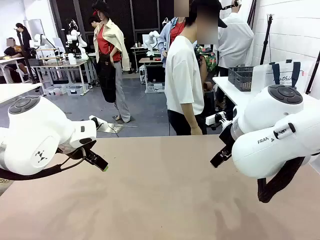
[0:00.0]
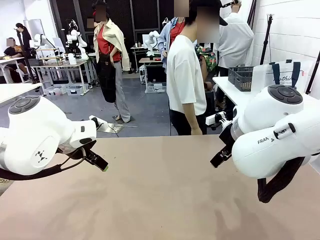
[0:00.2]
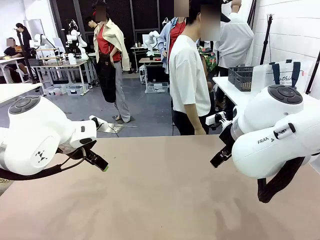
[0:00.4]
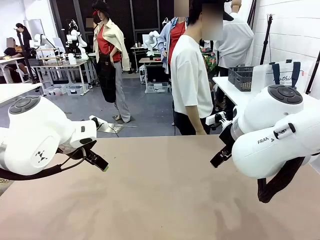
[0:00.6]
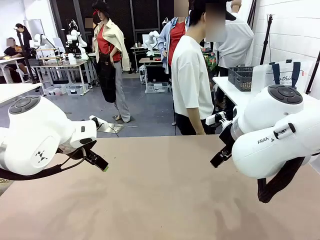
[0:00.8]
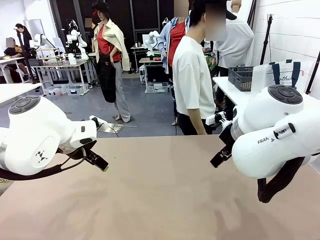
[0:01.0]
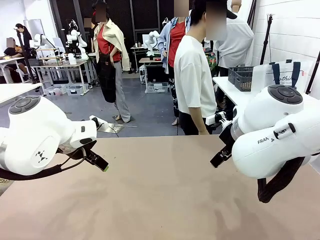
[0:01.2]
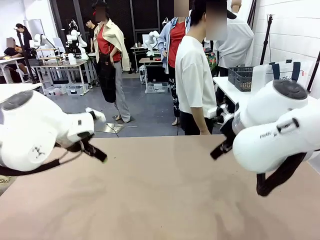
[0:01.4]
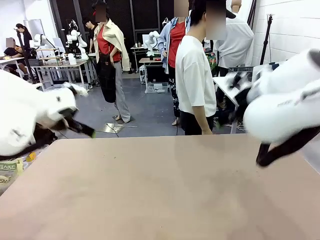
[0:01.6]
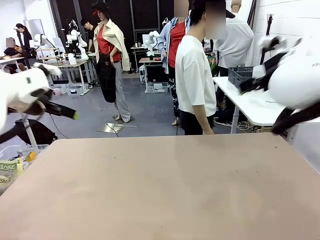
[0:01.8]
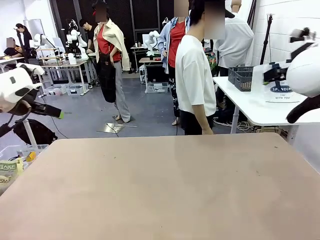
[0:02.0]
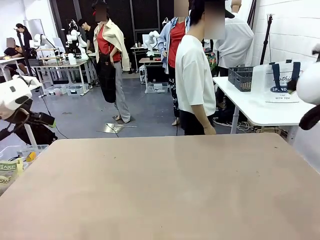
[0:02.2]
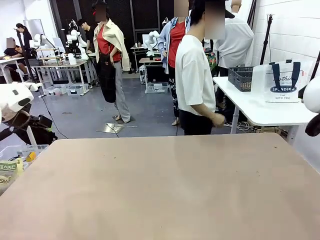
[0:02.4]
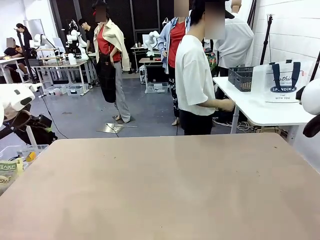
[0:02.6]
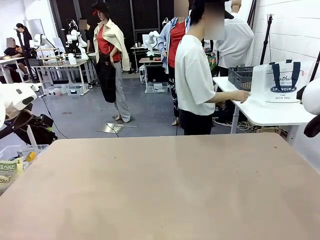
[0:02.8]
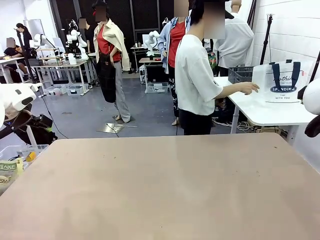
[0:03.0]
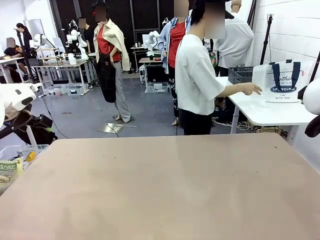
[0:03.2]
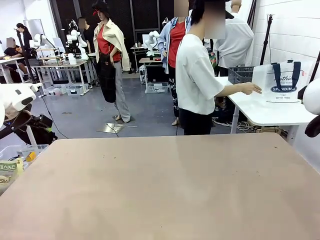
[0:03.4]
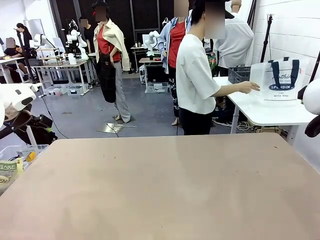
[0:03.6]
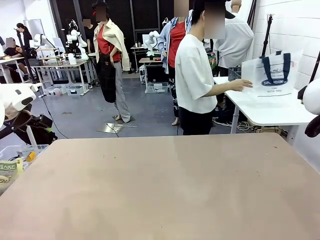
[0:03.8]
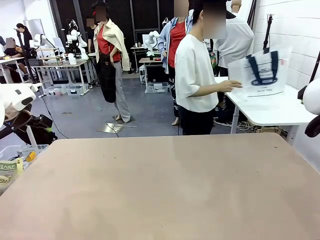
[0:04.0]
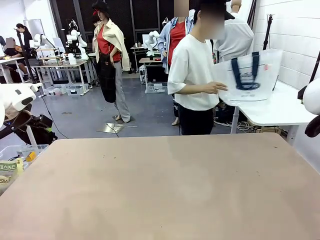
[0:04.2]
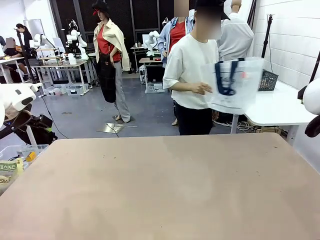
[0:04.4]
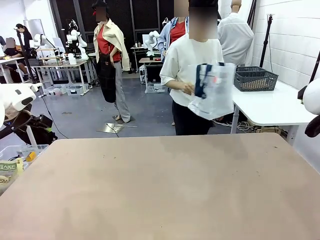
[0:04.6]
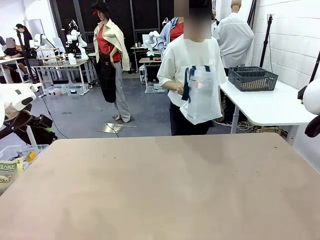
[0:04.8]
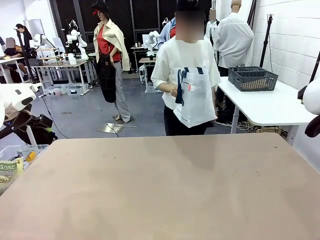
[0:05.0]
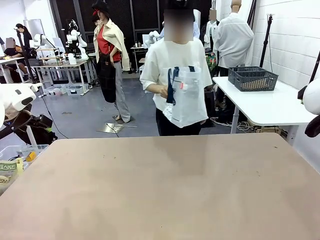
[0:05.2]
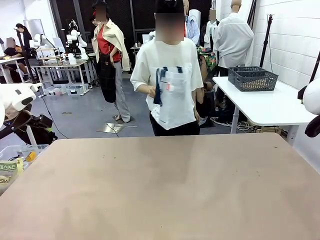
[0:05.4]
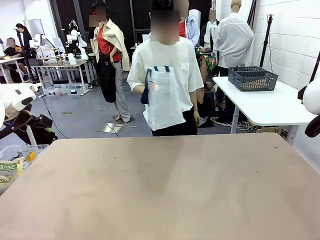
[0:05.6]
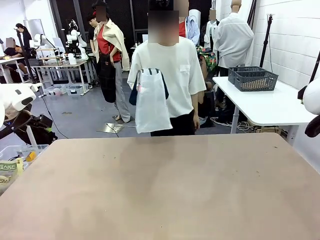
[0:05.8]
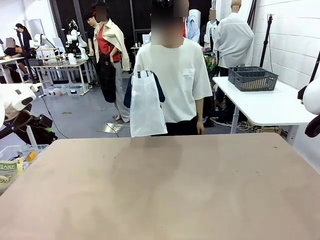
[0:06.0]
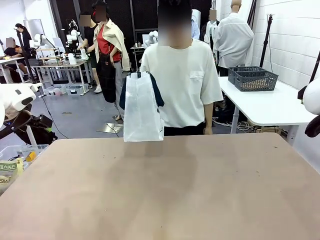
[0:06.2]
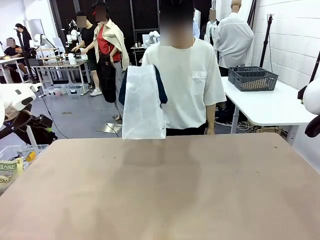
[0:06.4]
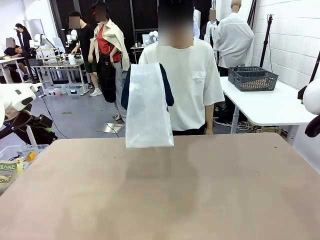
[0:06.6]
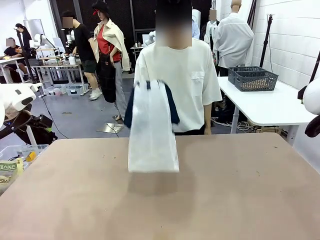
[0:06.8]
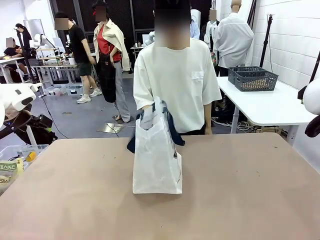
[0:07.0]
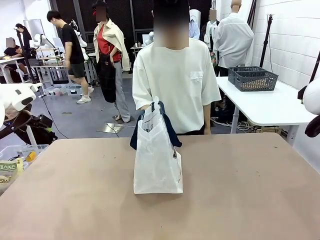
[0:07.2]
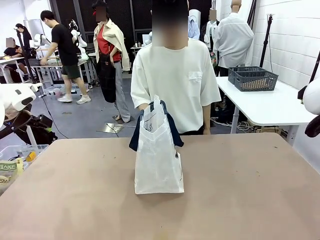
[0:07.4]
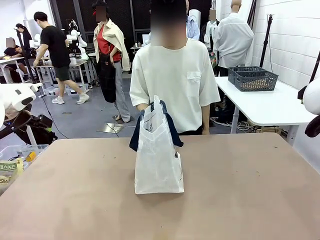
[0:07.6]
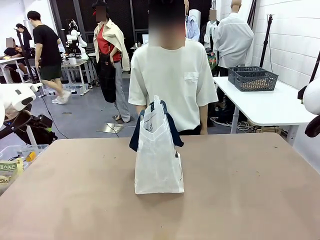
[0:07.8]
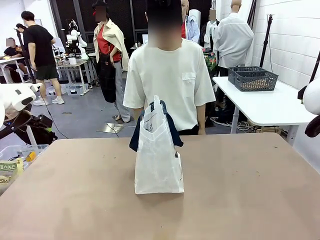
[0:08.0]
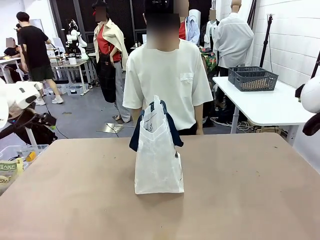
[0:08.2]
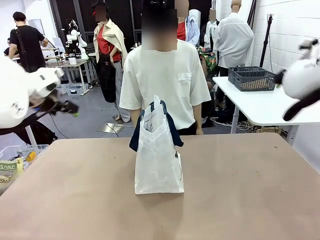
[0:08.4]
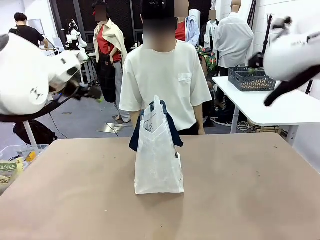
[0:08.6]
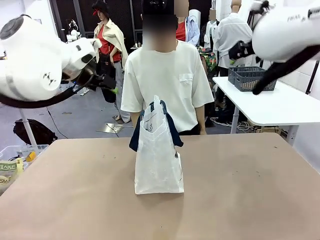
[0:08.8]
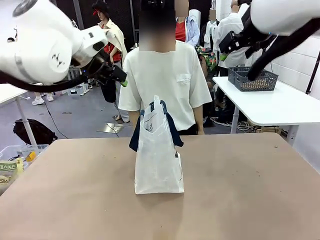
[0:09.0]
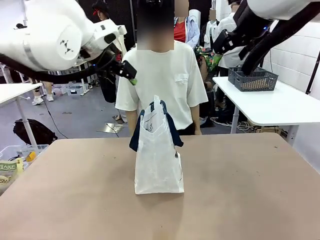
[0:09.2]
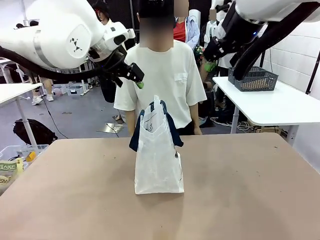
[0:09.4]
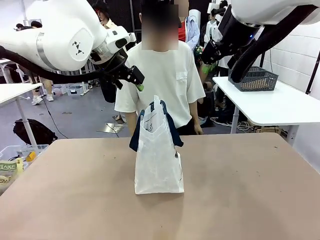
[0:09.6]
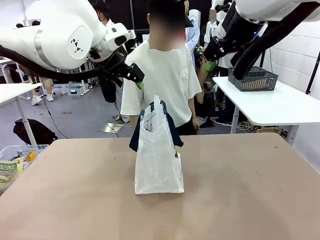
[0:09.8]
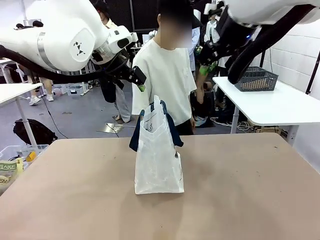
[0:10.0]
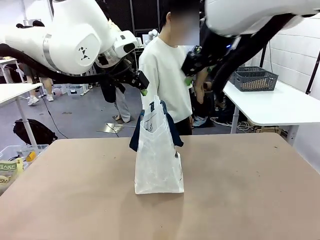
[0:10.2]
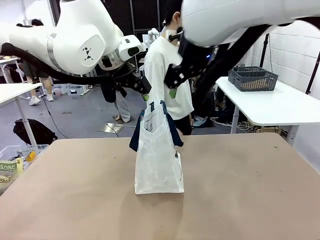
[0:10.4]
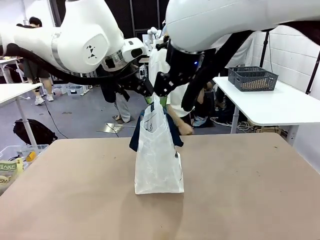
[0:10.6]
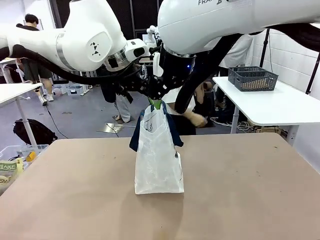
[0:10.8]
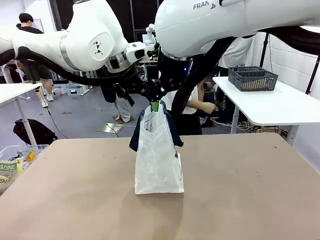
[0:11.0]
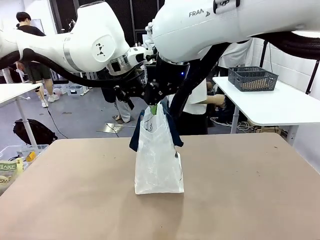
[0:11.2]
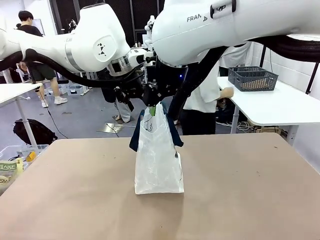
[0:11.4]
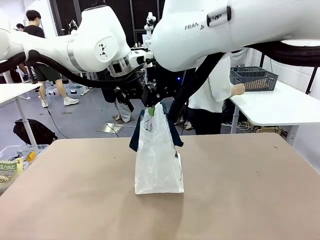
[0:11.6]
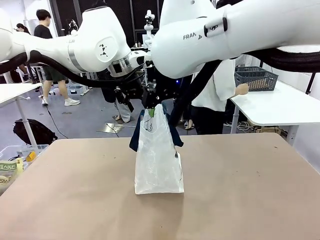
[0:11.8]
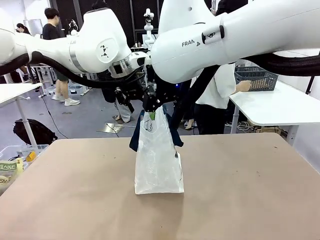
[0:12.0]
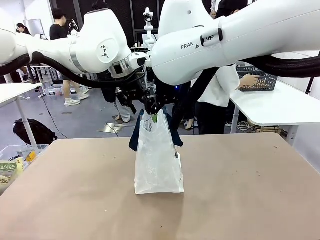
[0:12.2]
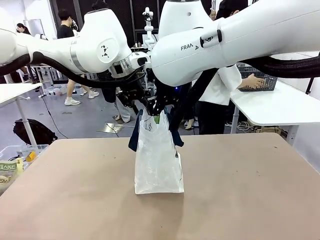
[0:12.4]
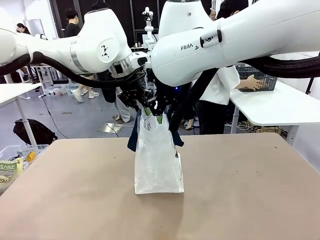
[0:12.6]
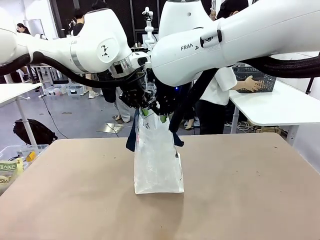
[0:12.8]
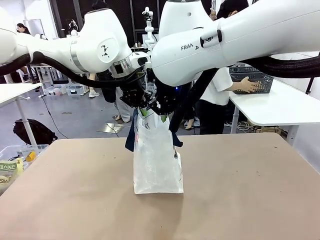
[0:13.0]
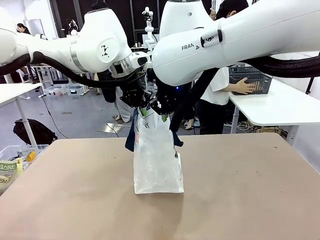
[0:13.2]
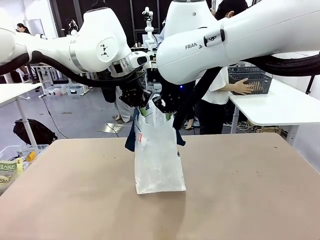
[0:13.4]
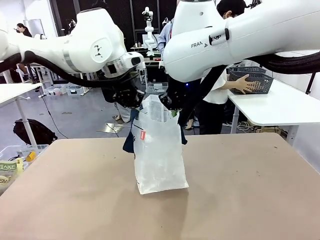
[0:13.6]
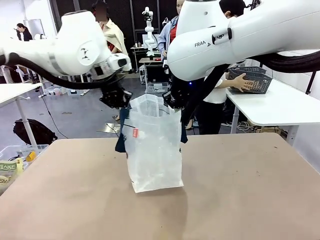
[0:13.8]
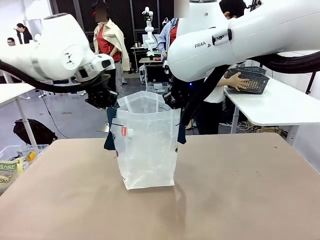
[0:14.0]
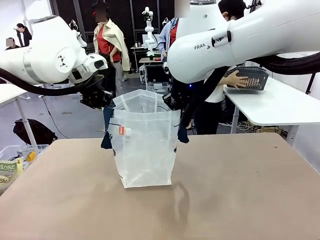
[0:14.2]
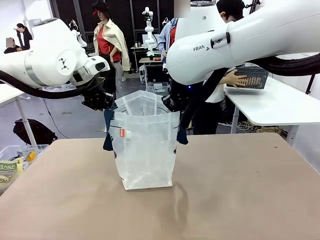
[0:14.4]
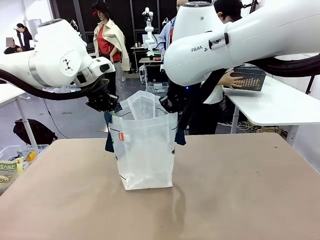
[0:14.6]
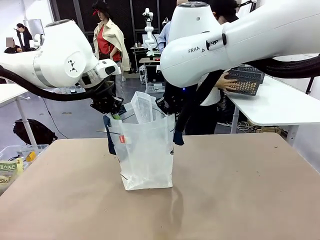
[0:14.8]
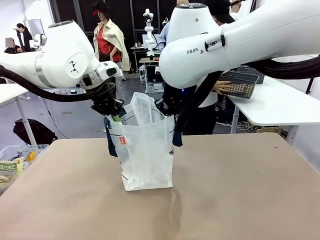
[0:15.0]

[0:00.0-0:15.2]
Task: Transfer purchased items from the store into the shopping bag.
Robot: Open the Reusable shopping bag in the center of the table.
Person: Pick up the shopping bag and place it in the middle of the robot table. Pick up the basket on the right, place it on the left side of the robot table, and move the items in the basket to the shopping bag.
